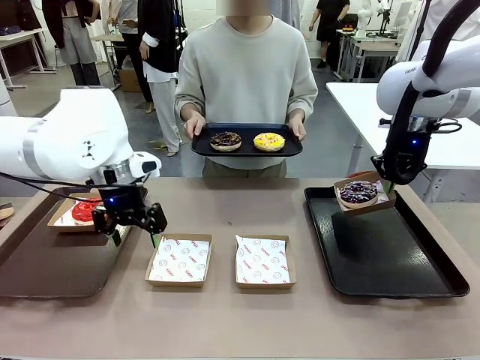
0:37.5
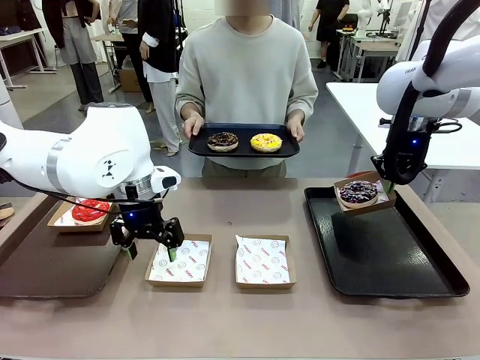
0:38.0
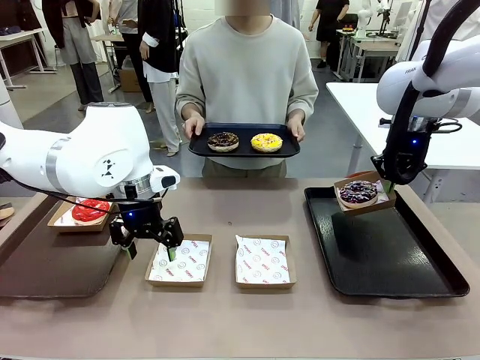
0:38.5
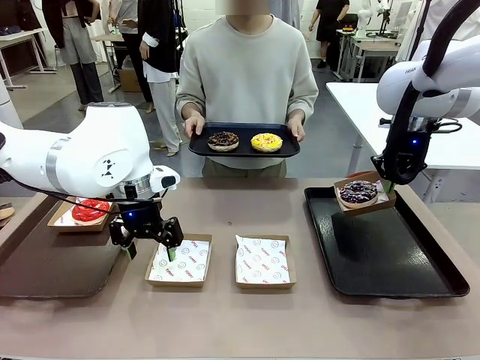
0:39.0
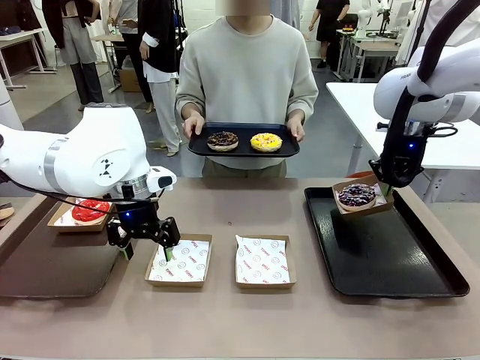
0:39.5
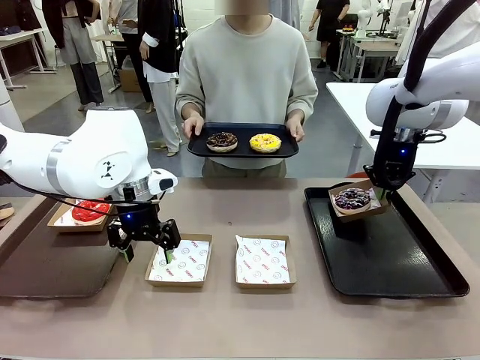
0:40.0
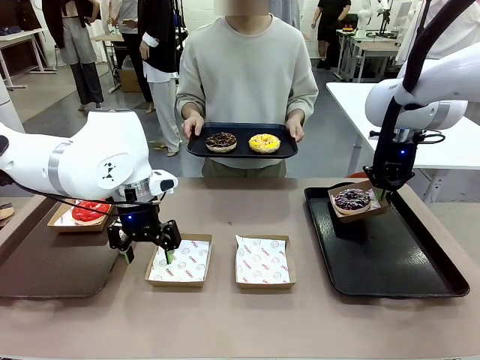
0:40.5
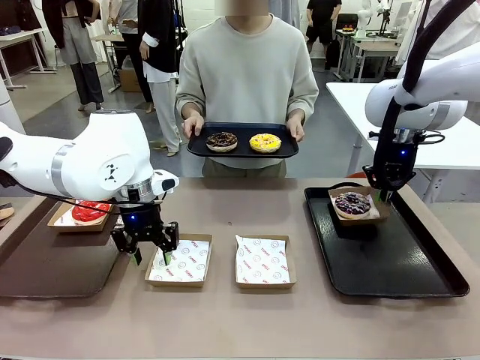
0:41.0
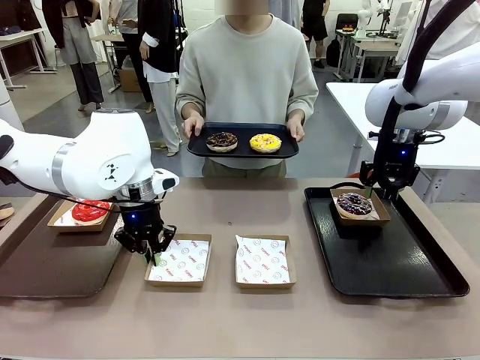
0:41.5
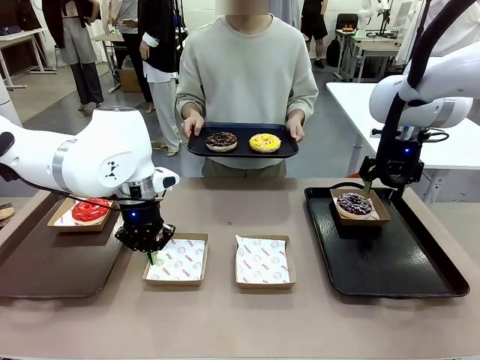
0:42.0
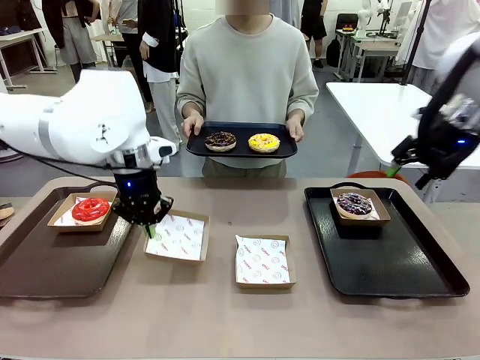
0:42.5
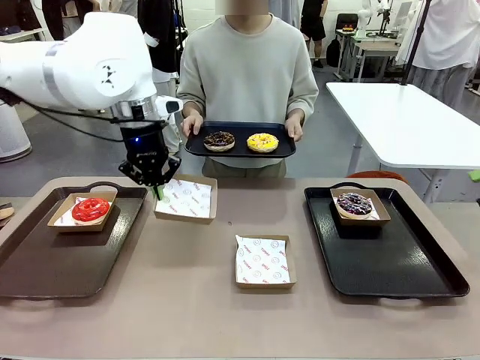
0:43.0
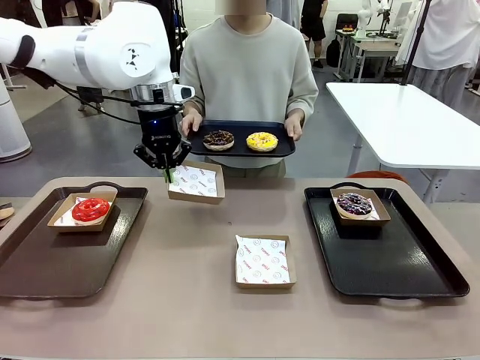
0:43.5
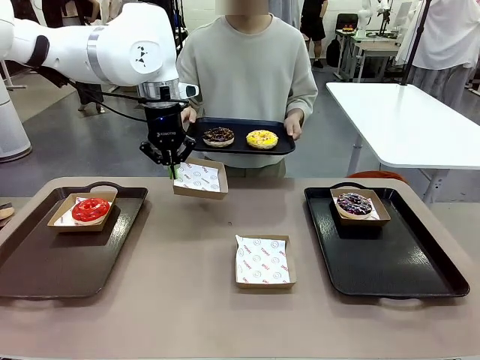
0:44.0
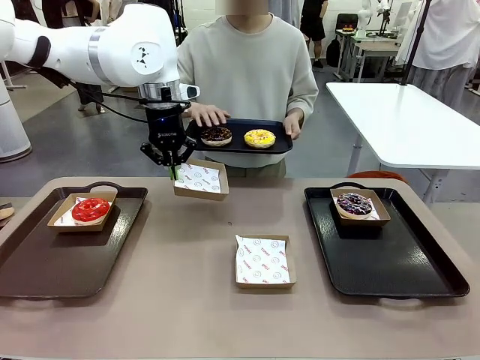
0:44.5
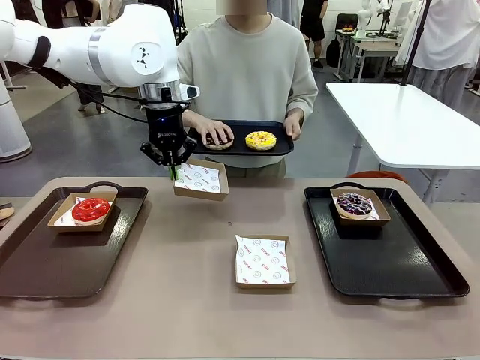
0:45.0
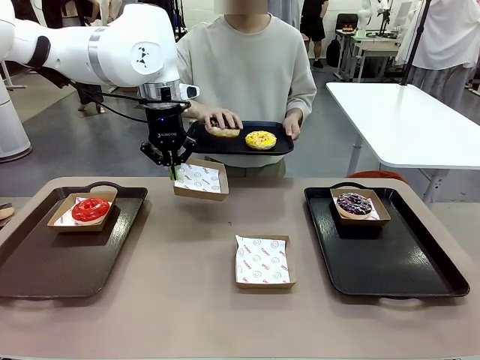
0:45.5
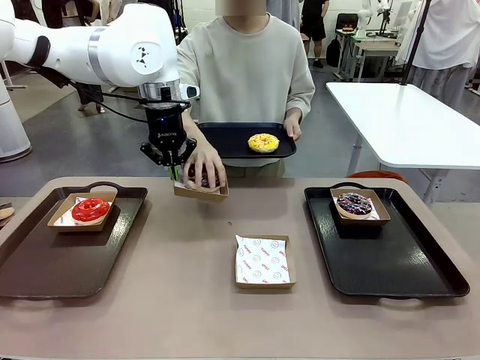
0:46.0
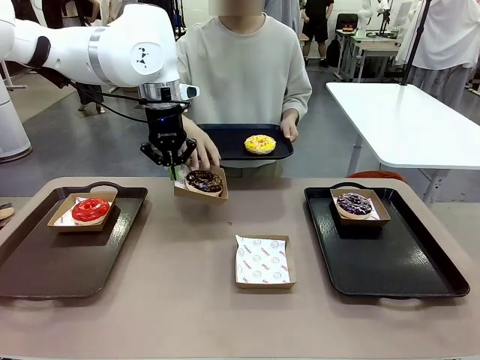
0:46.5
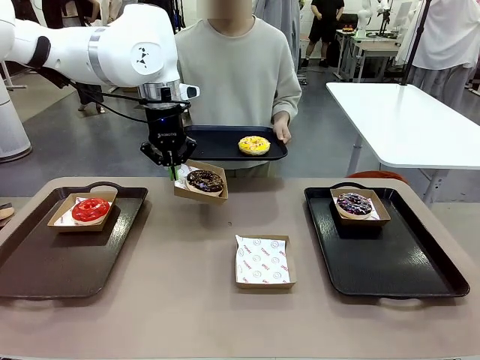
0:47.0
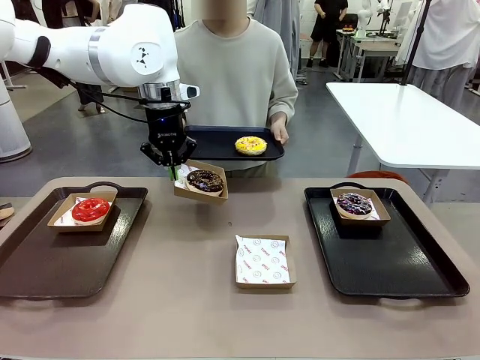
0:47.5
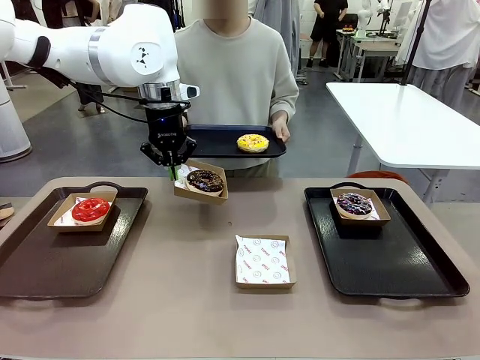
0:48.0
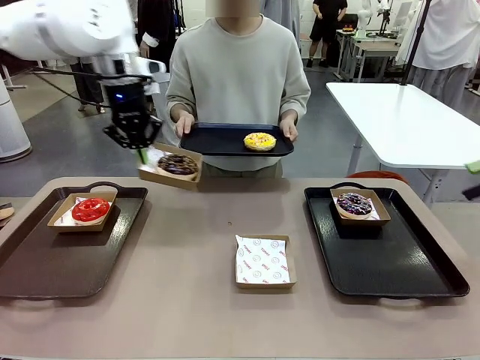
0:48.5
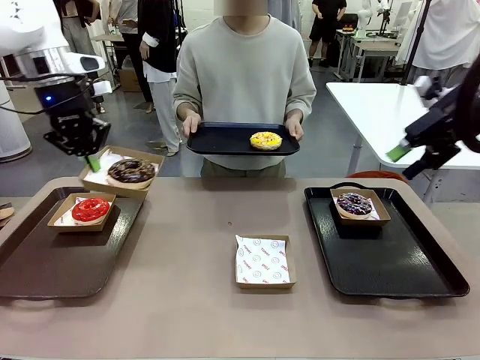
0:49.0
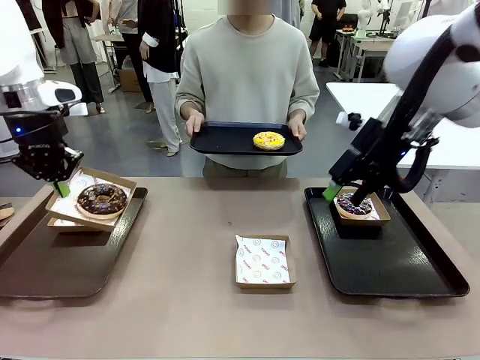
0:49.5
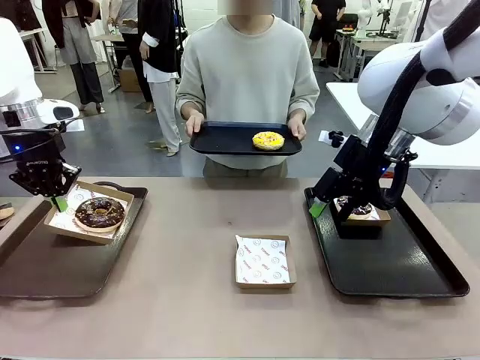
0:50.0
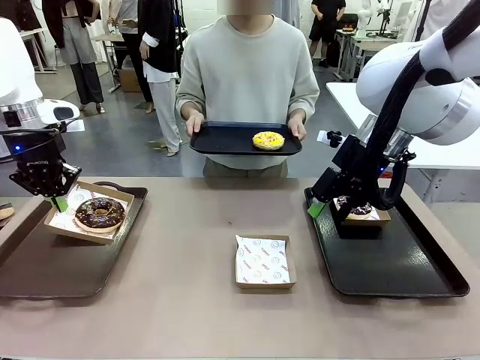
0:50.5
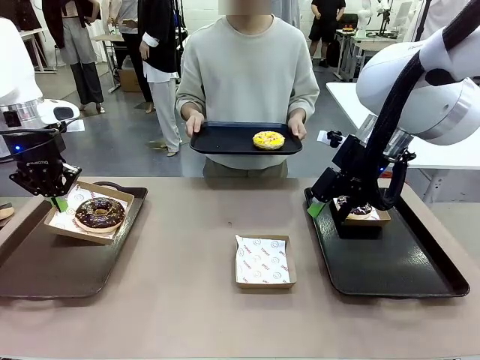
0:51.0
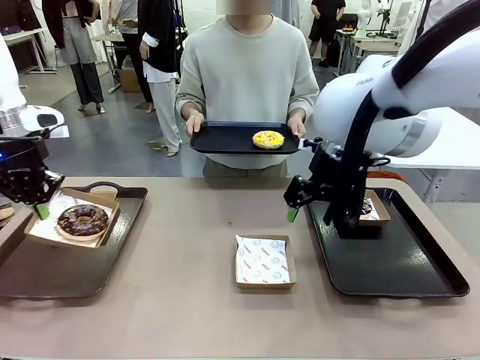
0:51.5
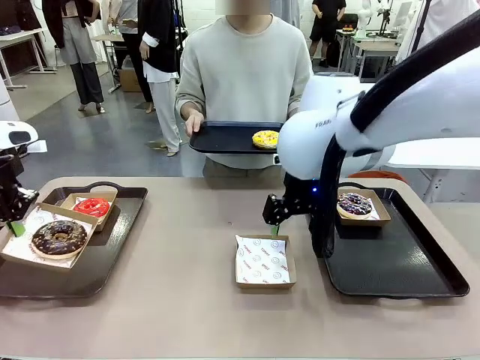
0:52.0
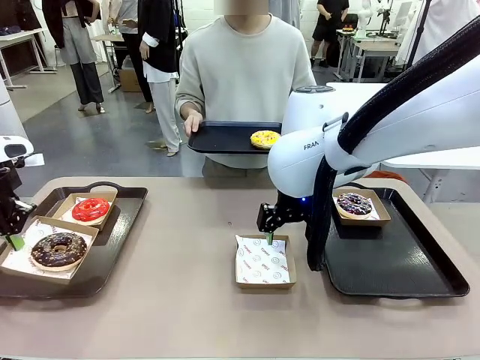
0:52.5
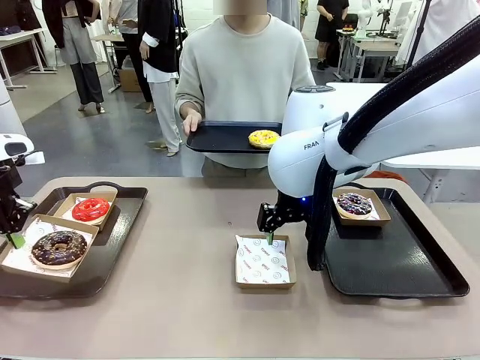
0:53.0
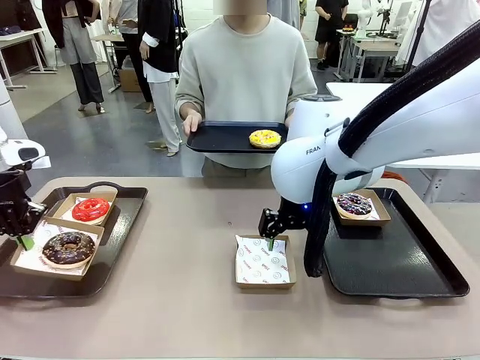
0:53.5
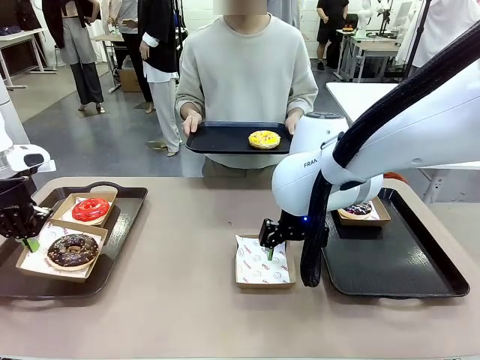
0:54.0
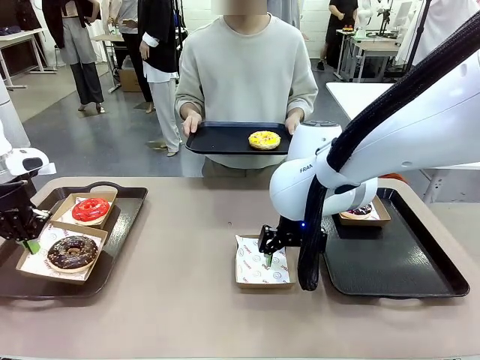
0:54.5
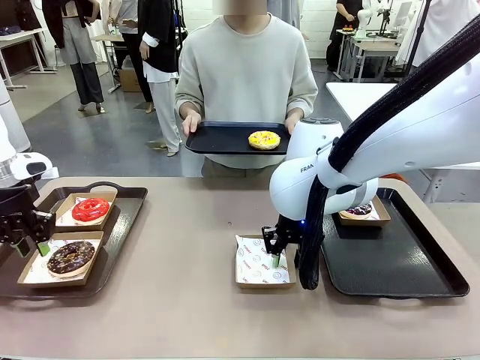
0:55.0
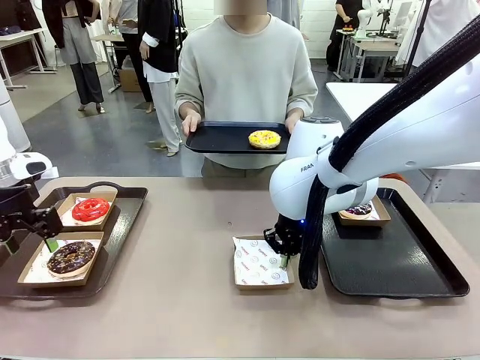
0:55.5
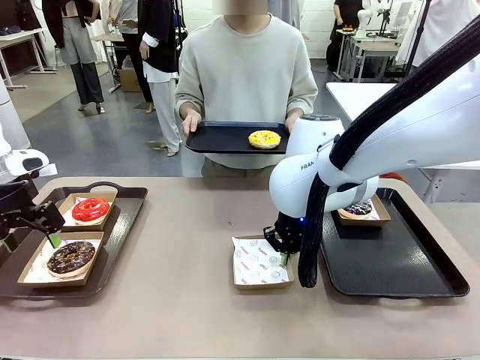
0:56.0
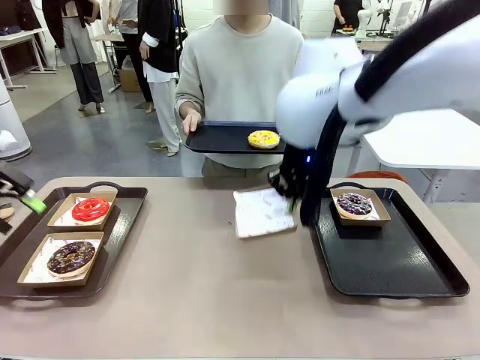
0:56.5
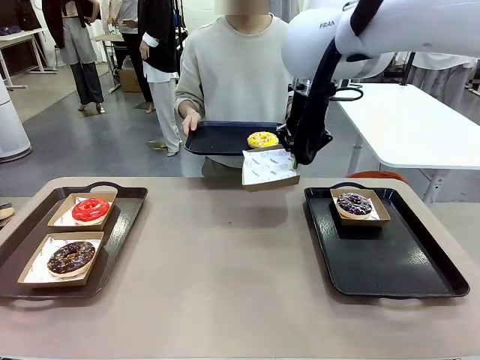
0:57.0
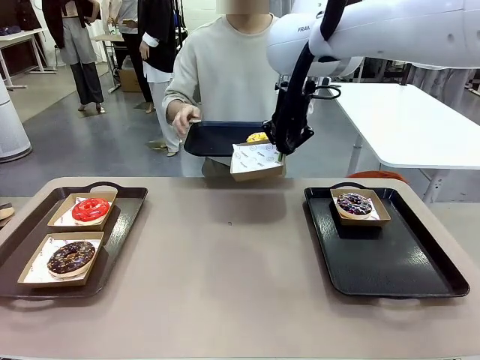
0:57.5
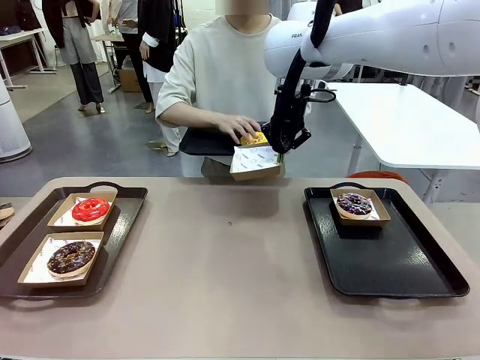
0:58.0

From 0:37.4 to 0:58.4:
Task: Individually package the donuts and arrange them on the tray.
Robot: Place the picked Paper togo box on the Handle tray while simultaneously picking up another Paper togo box from the table with the other hand.

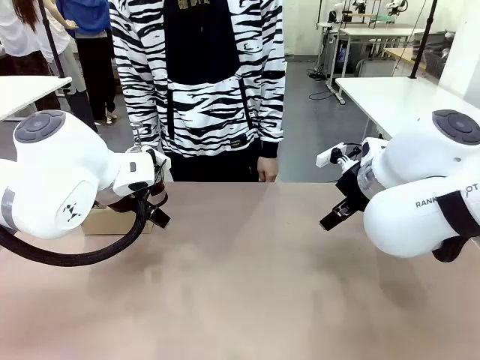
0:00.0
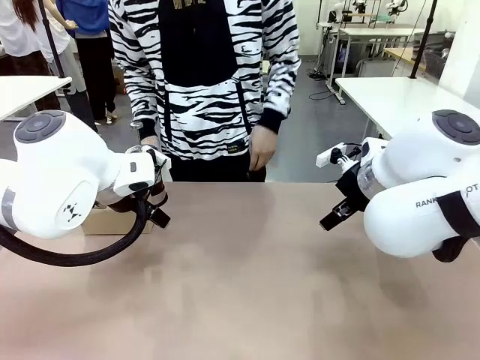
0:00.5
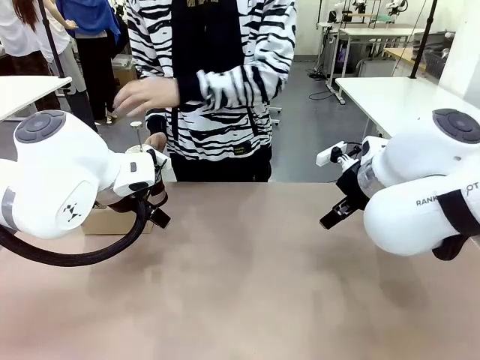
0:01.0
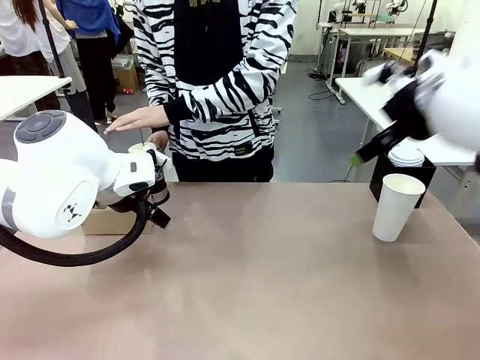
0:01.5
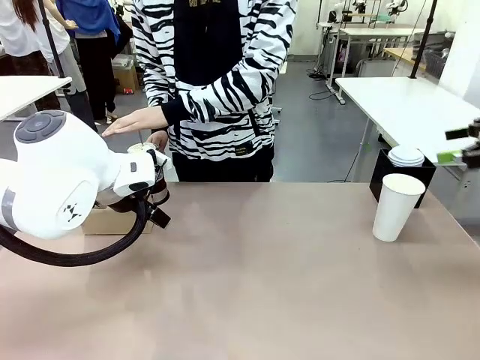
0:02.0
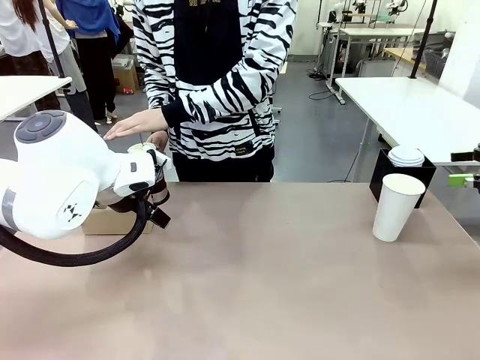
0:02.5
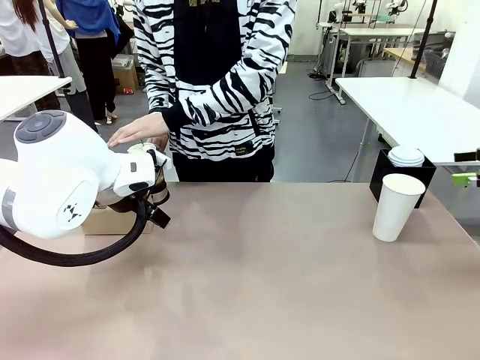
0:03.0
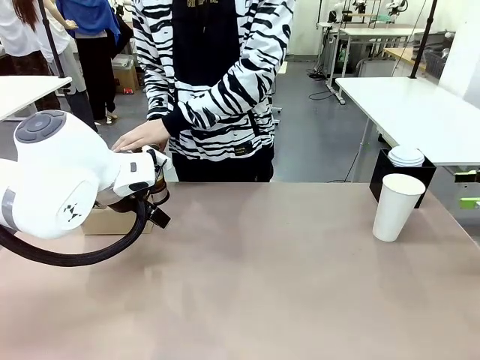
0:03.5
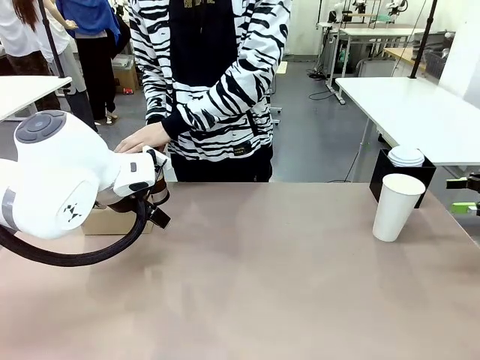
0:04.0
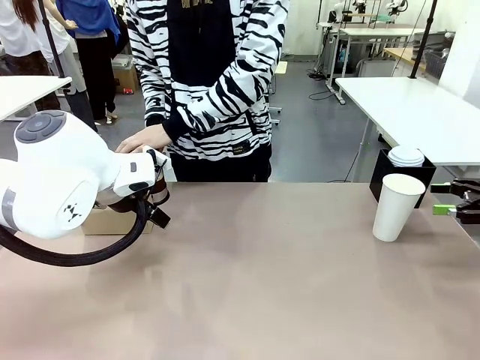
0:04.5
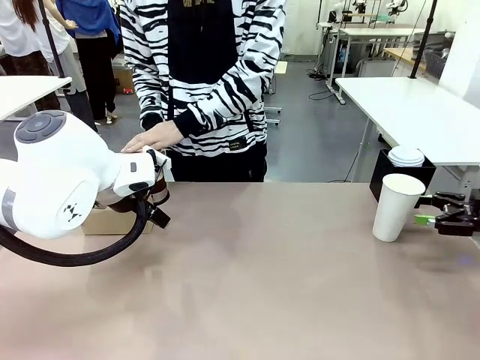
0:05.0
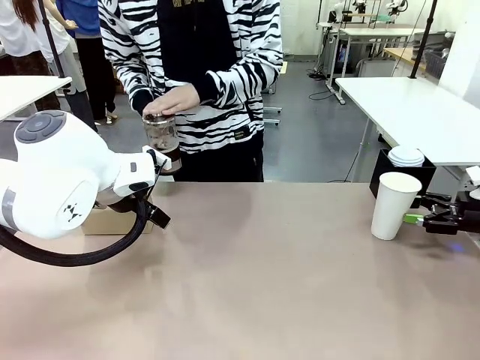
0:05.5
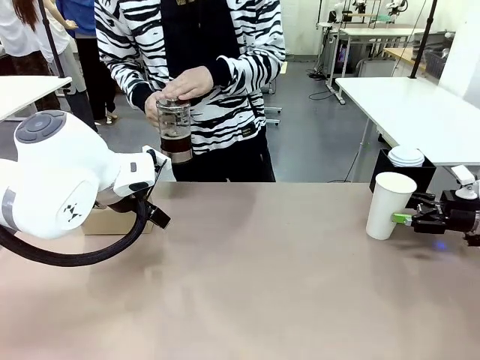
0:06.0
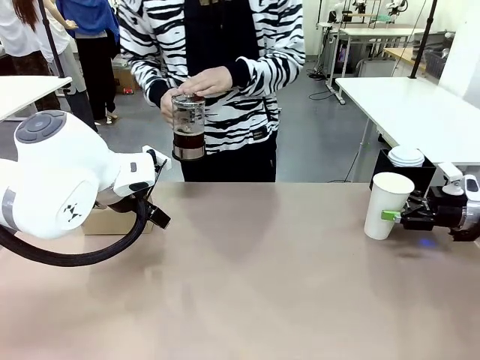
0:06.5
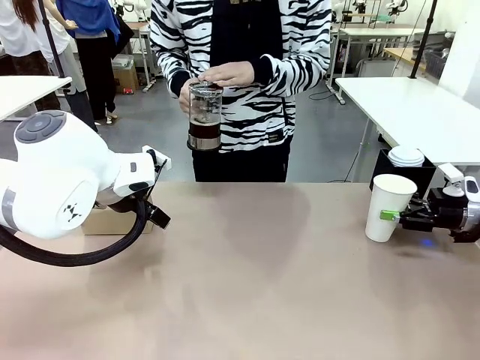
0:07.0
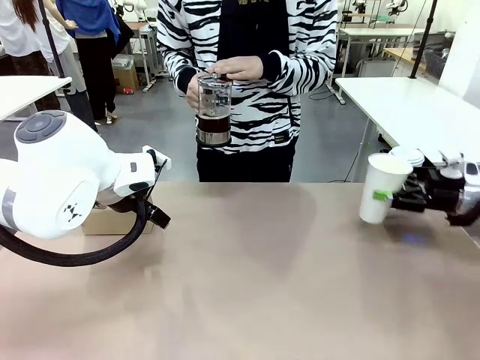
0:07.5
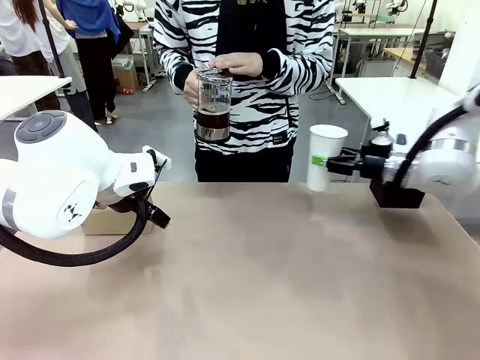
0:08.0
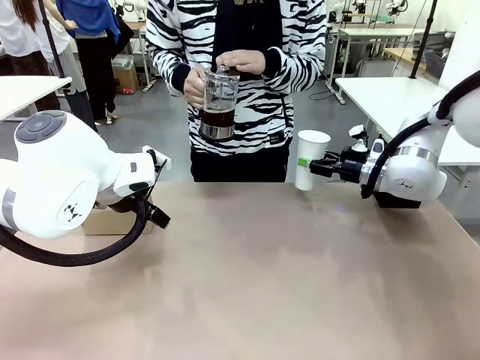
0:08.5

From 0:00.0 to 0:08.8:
Task: Pour a drink into a cup and package it in a carrier.
Robot: Pick up the 600 ml Paper Cup and place it in the middle top area of the table.
Person: Press and pick up the Filter Brewing.
